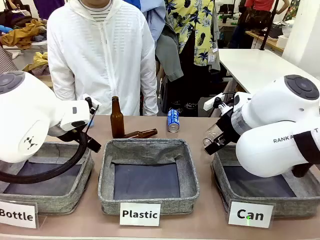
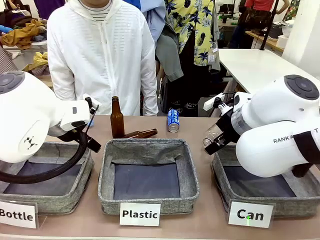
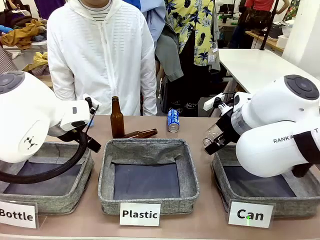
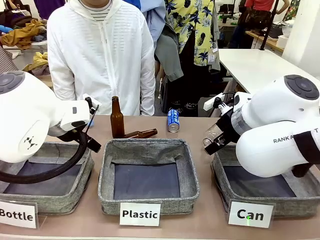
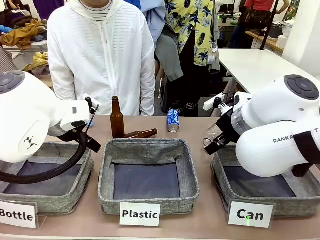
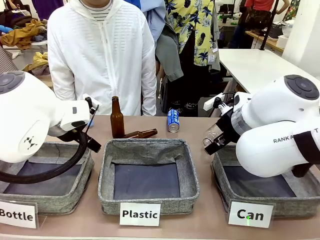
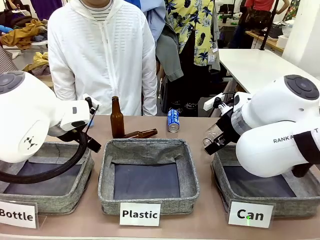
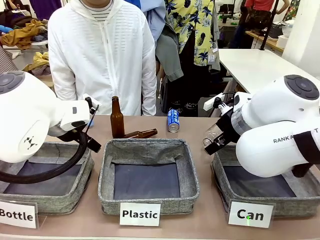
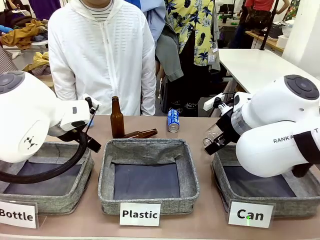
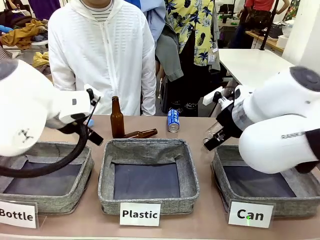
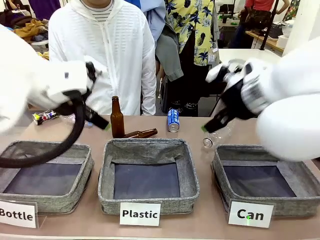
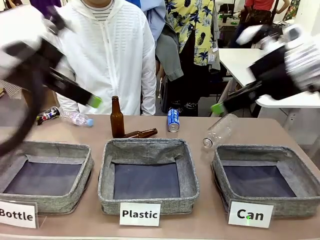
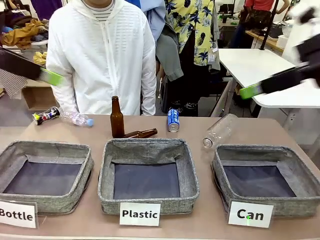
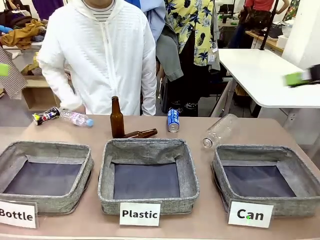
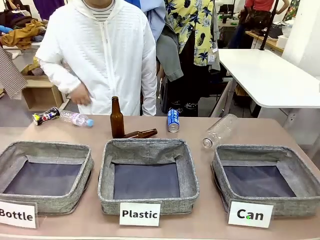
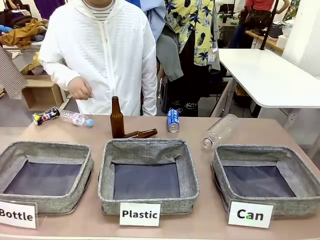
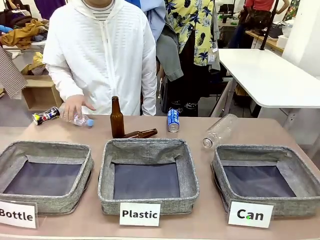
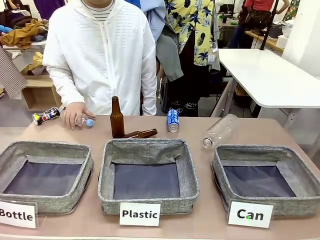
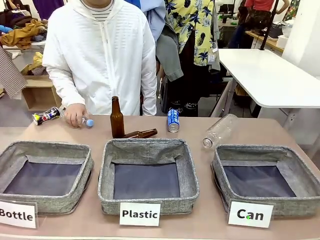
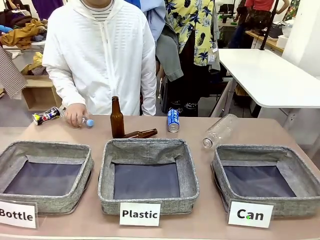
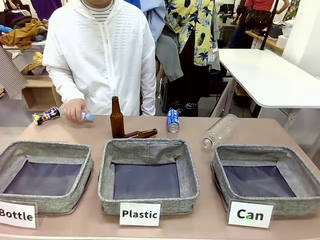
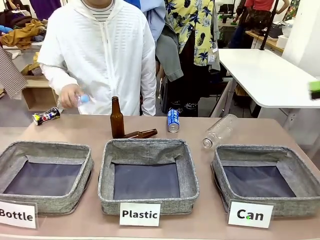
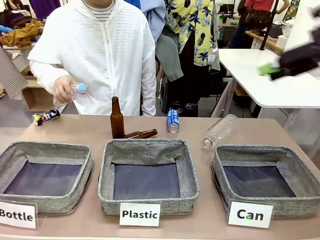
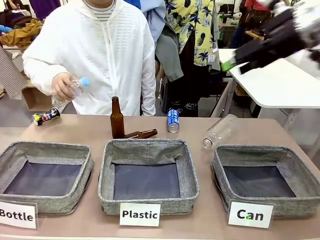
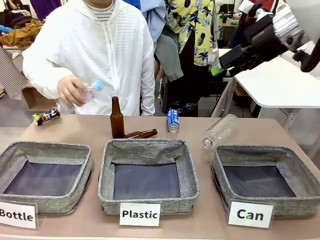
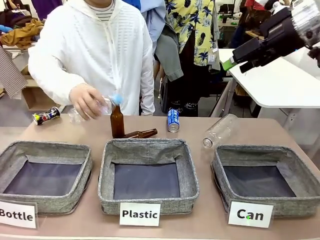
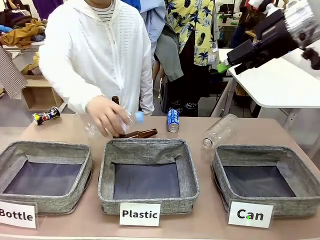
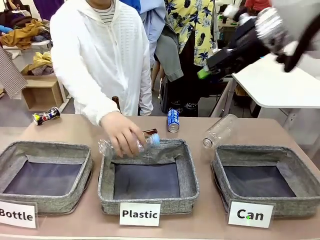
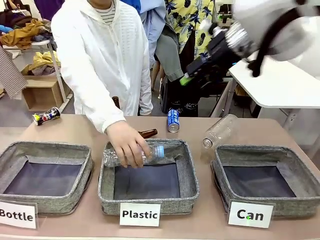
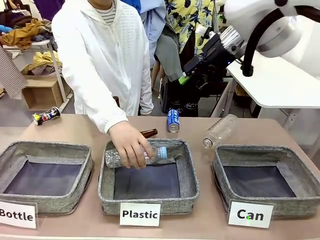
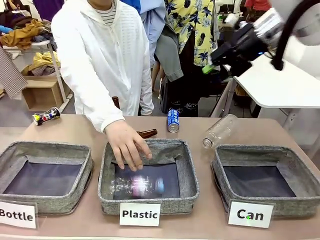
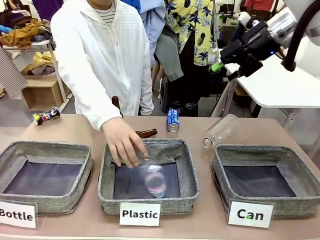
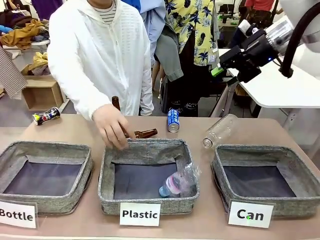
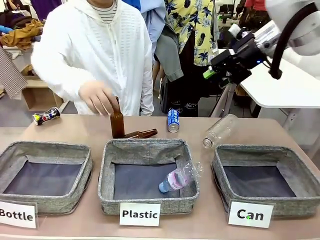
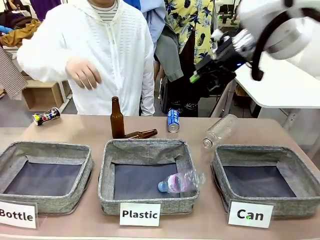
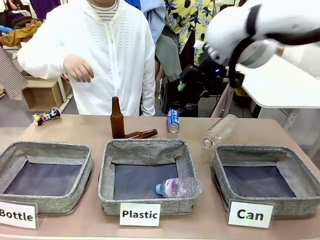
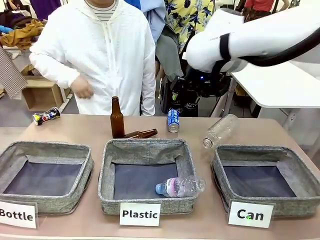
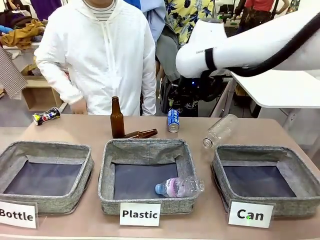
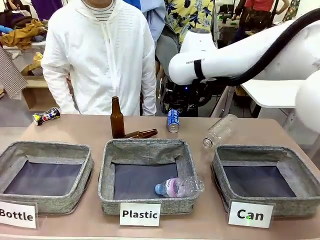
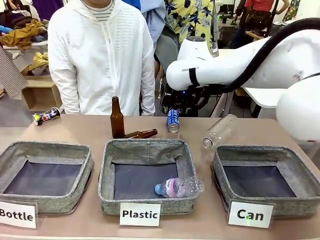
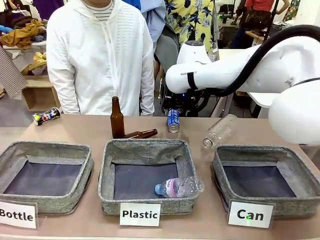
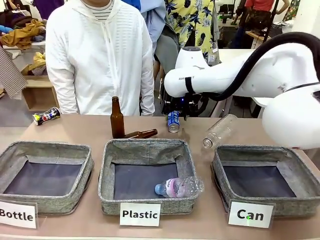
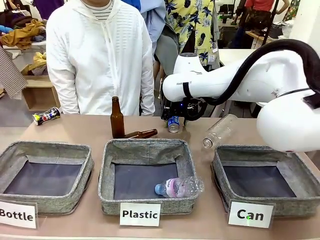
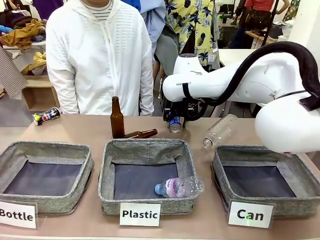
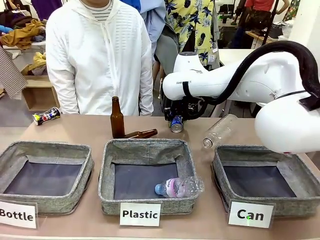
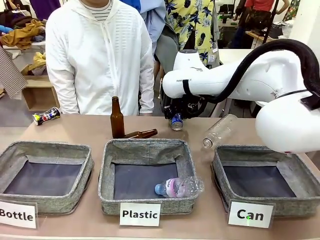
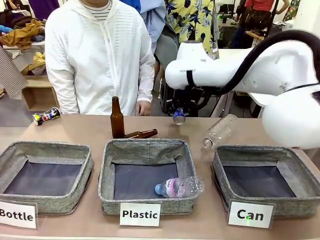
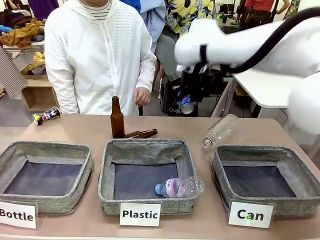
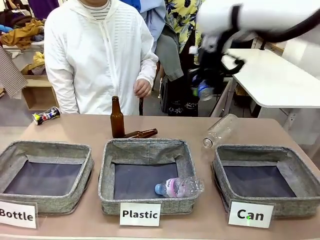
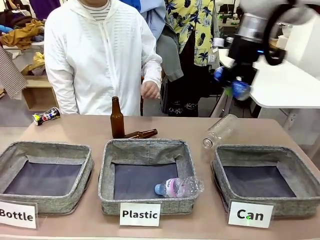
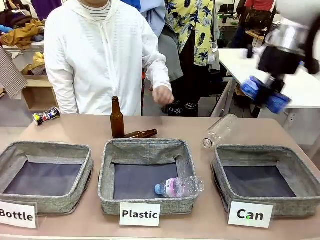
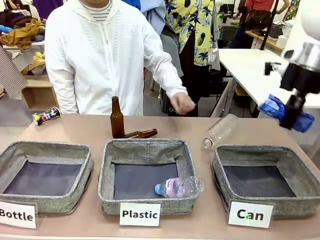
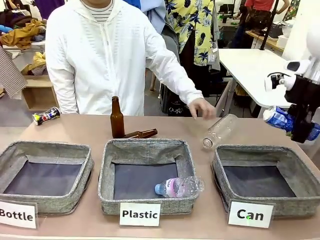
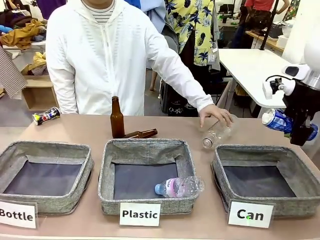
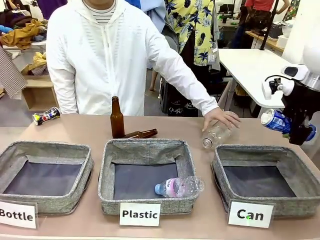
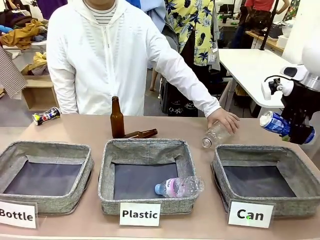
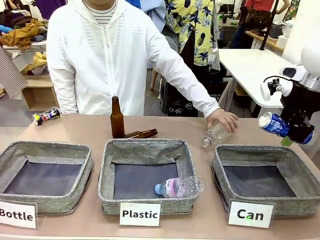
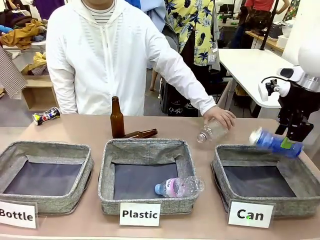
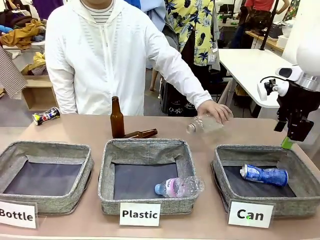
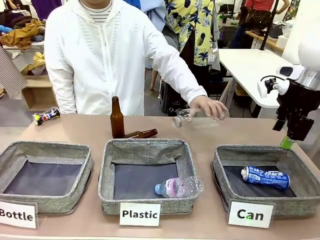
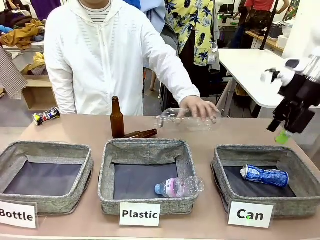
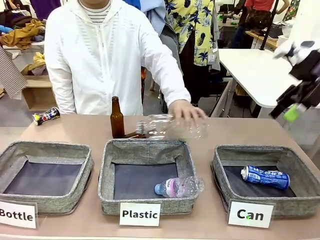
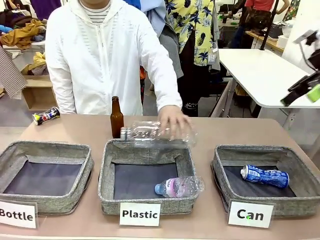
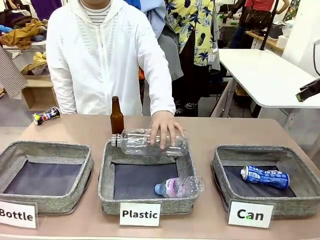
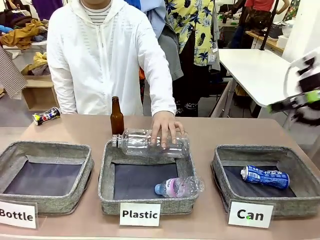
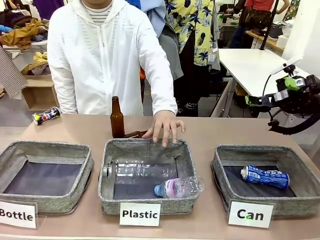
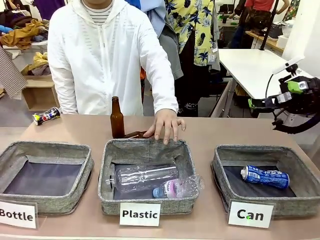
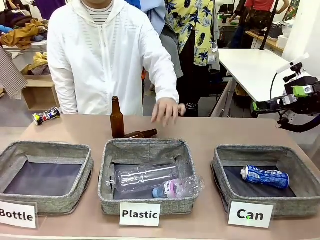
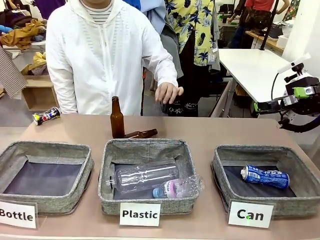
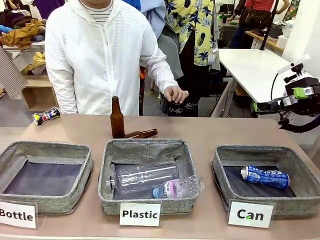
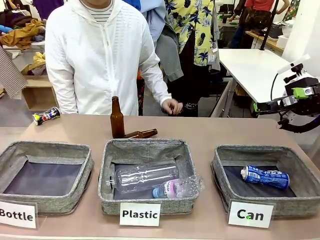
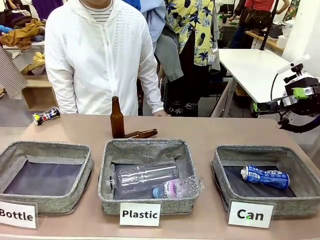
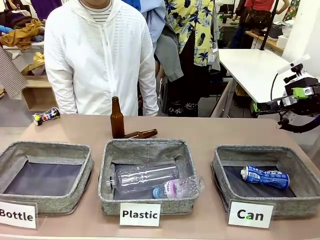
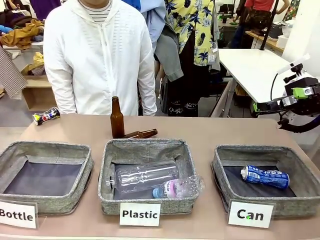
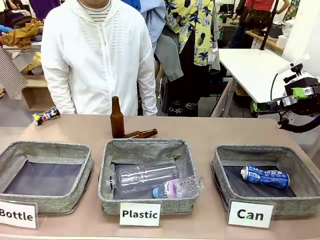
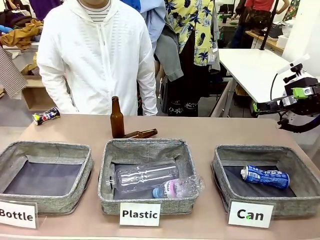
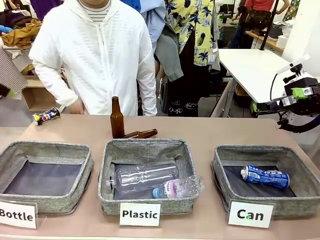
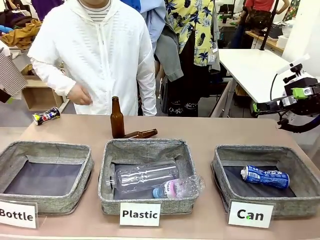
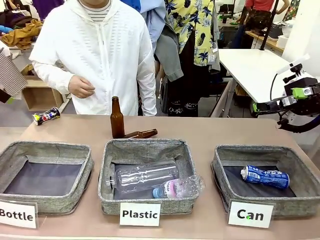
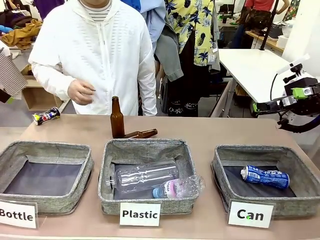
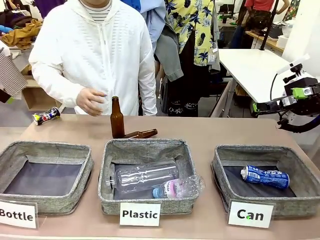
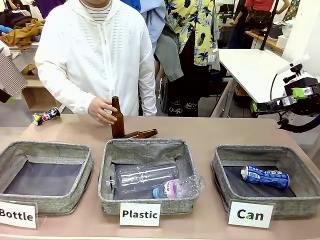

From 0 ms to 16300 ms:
Task: Sort the can waste into the basket.
Robot: Pick up the can waste from the table and place it in the right Fabric basket.
